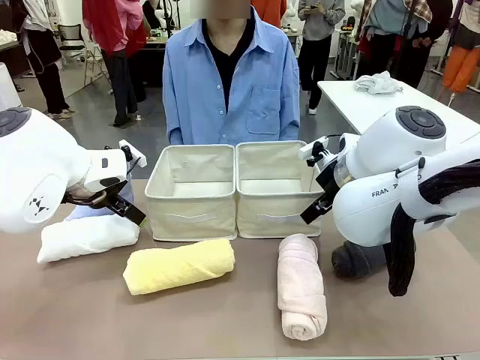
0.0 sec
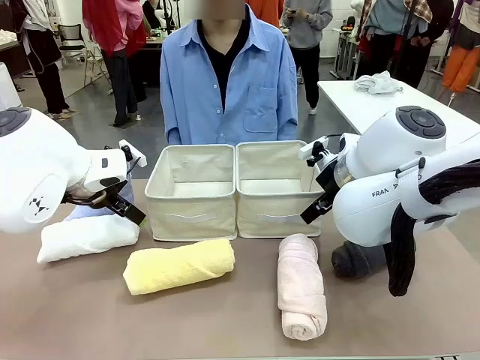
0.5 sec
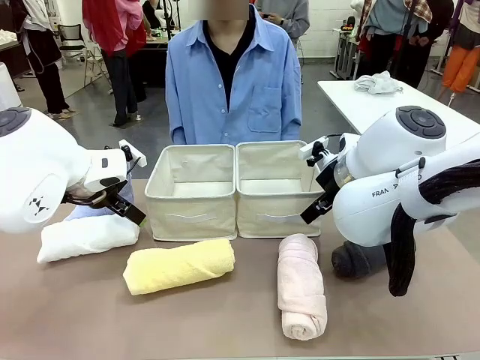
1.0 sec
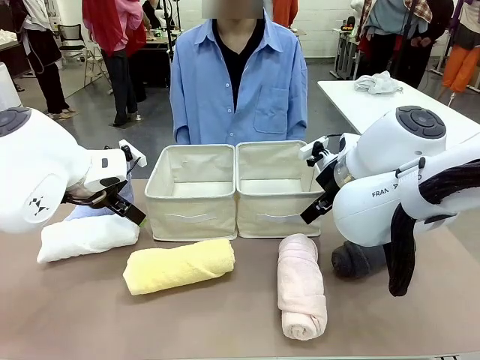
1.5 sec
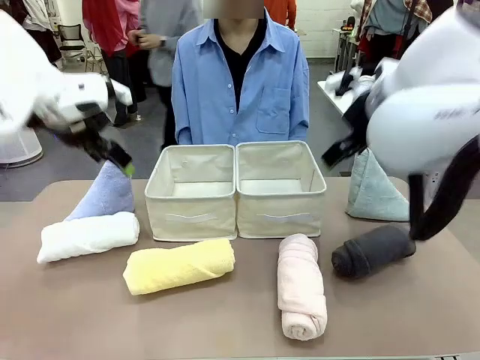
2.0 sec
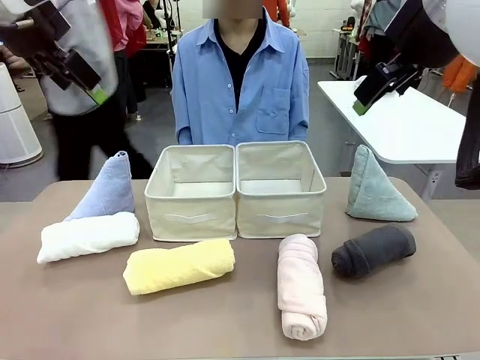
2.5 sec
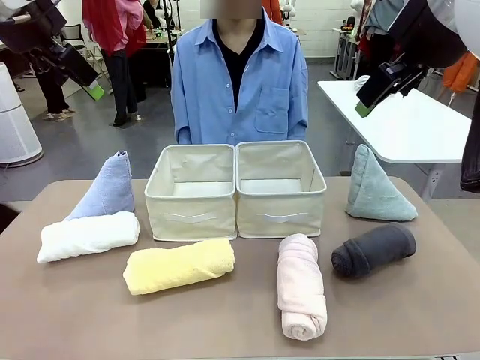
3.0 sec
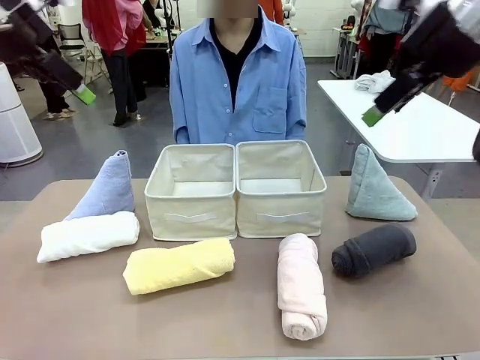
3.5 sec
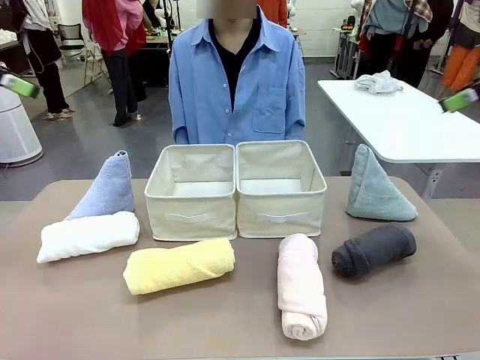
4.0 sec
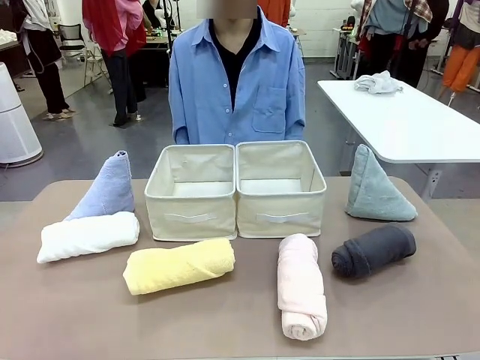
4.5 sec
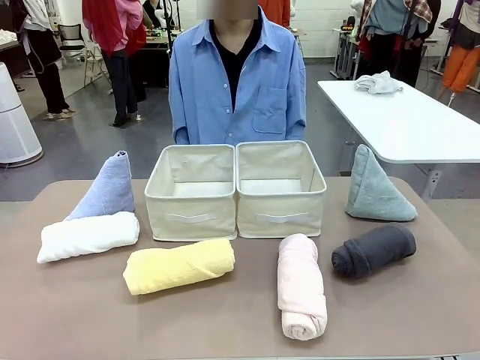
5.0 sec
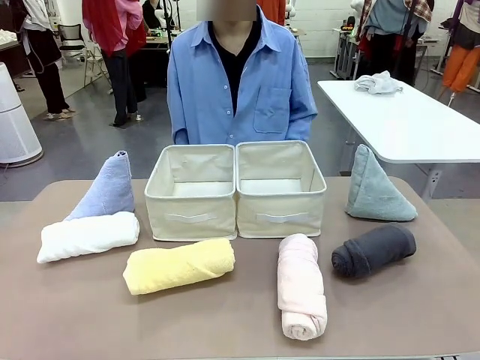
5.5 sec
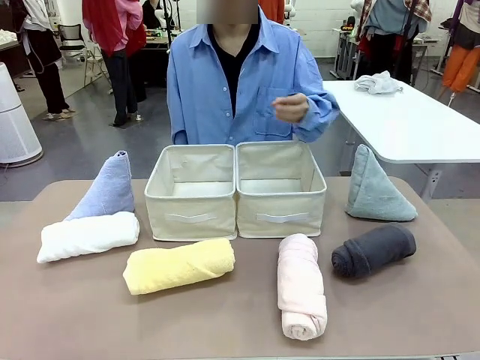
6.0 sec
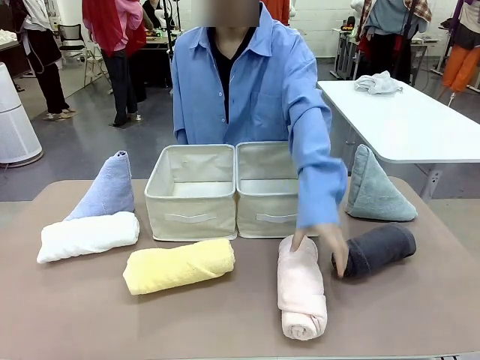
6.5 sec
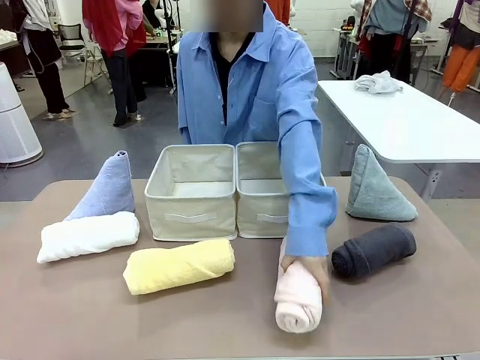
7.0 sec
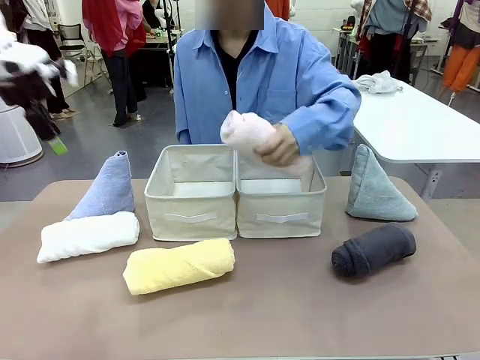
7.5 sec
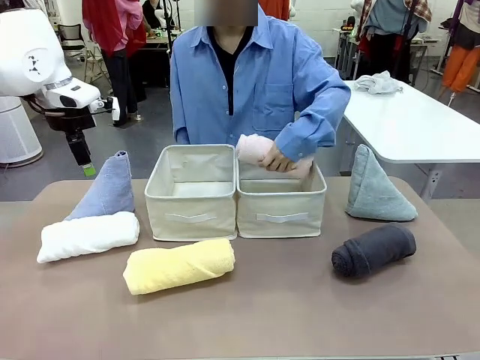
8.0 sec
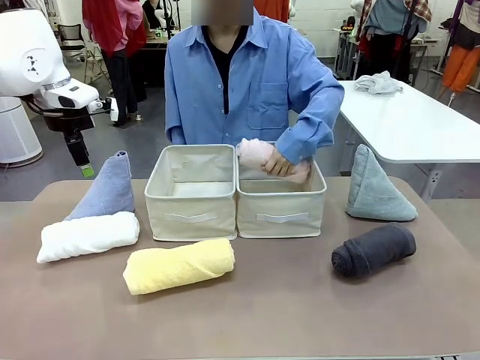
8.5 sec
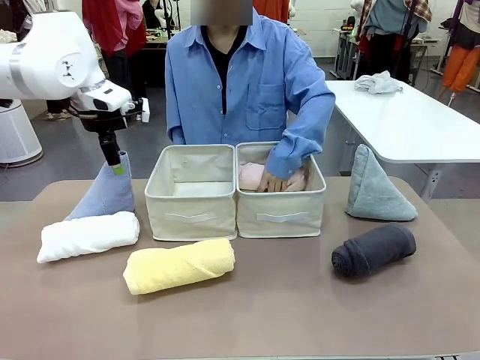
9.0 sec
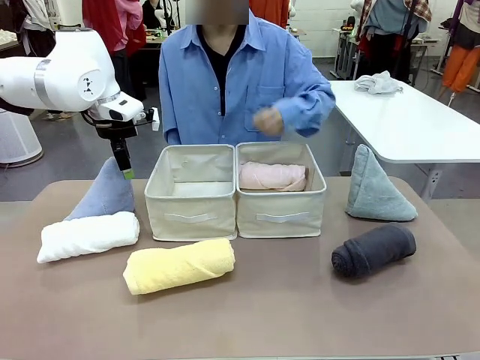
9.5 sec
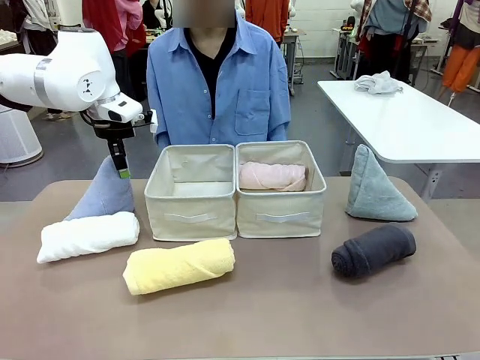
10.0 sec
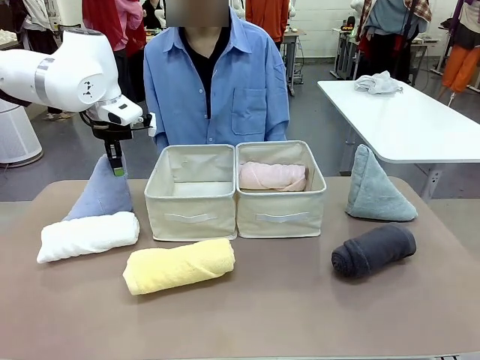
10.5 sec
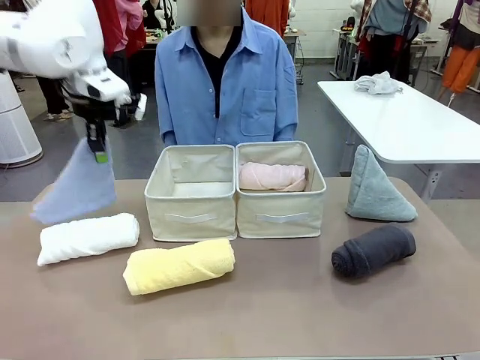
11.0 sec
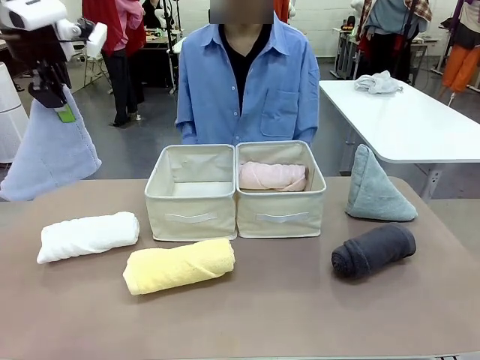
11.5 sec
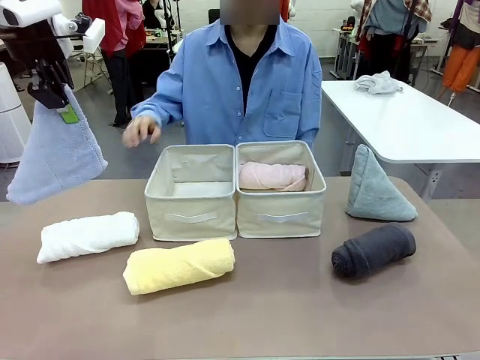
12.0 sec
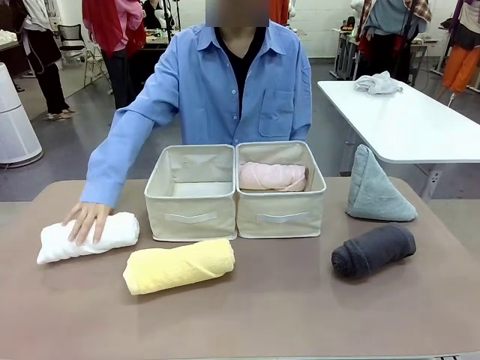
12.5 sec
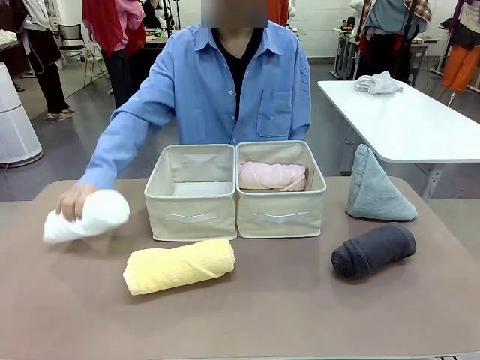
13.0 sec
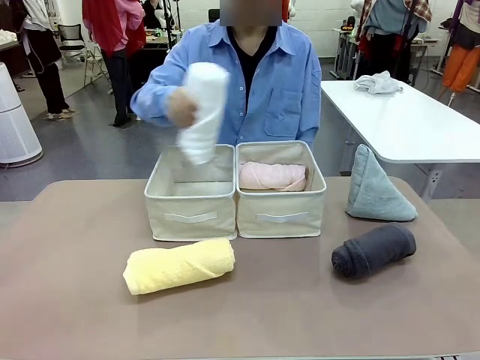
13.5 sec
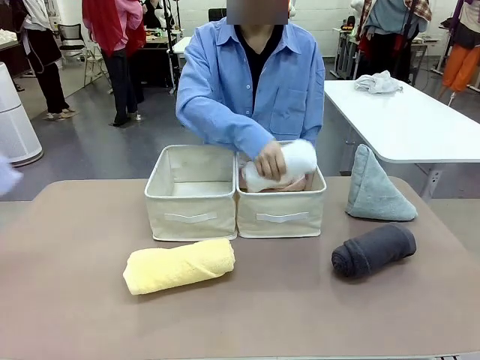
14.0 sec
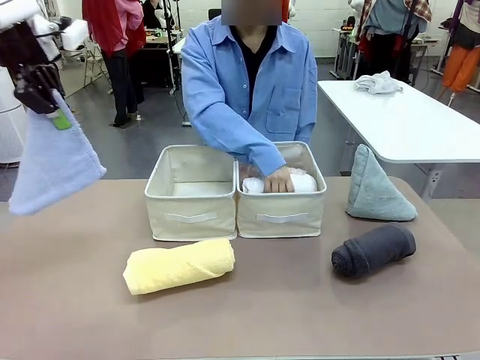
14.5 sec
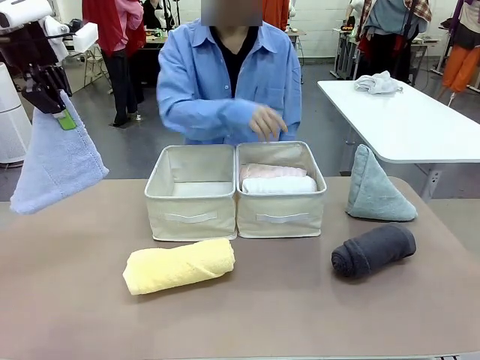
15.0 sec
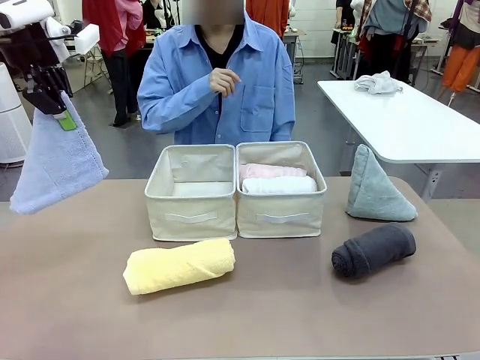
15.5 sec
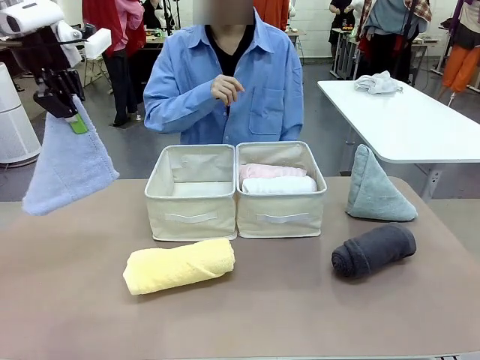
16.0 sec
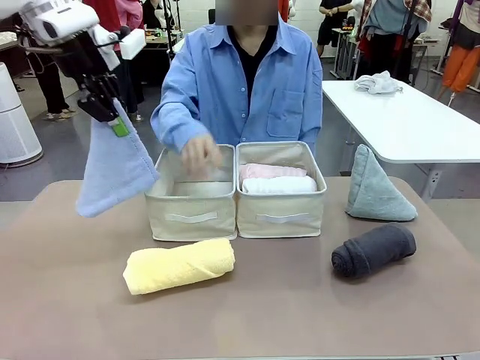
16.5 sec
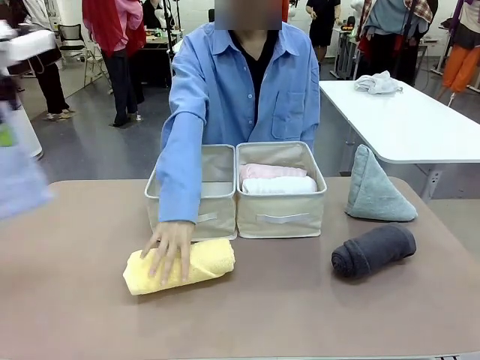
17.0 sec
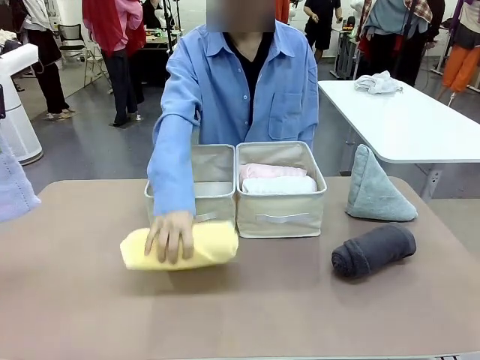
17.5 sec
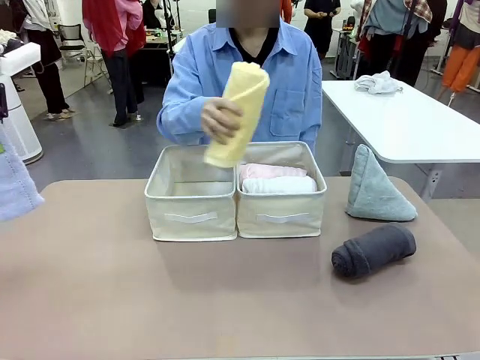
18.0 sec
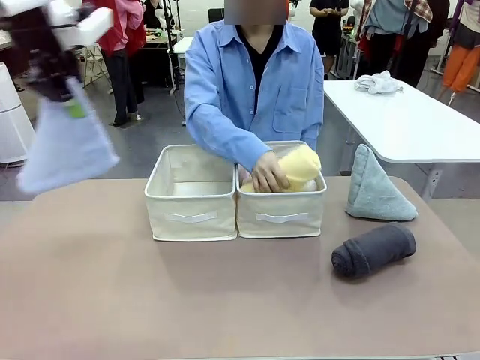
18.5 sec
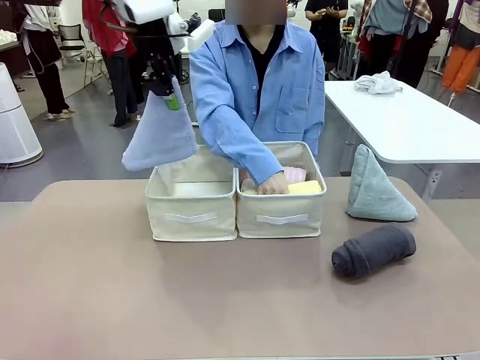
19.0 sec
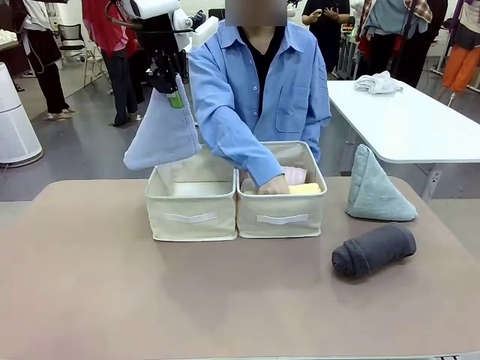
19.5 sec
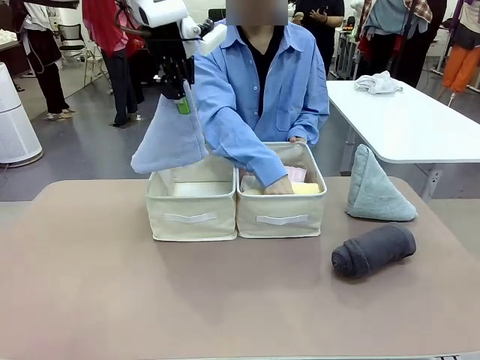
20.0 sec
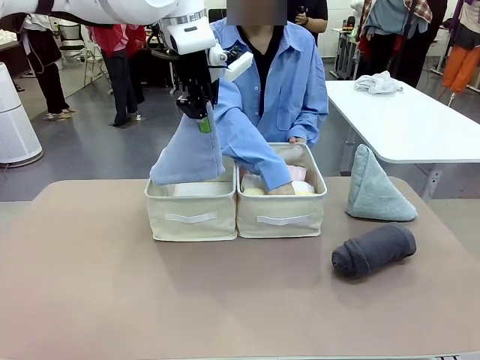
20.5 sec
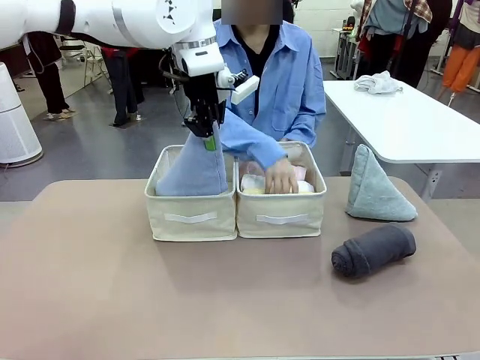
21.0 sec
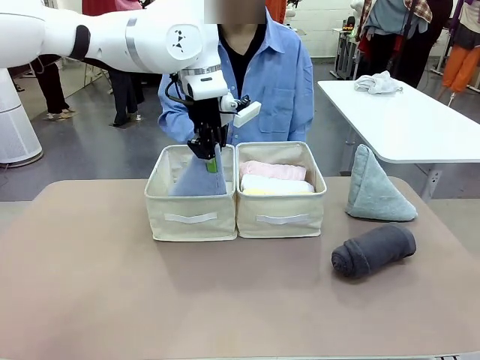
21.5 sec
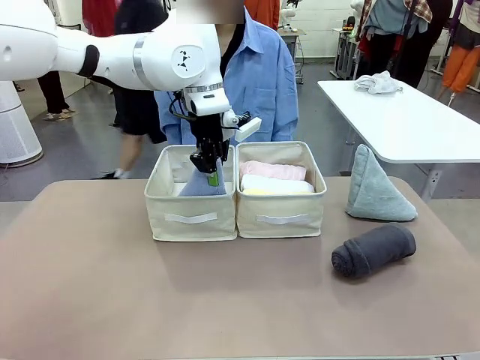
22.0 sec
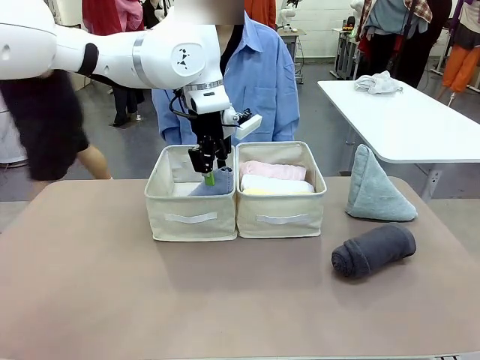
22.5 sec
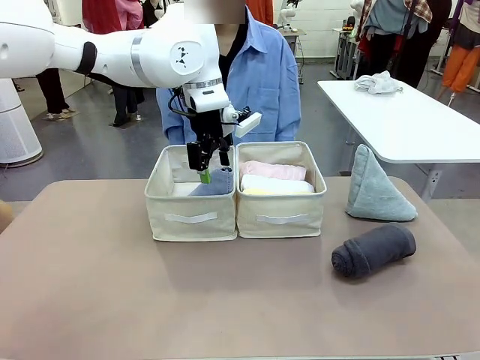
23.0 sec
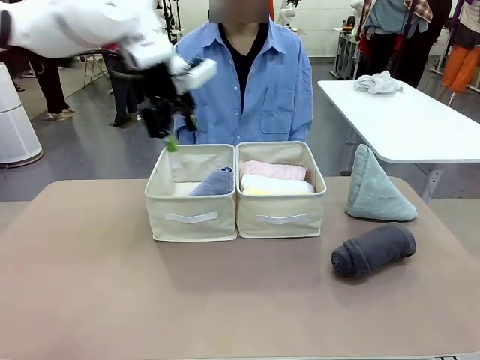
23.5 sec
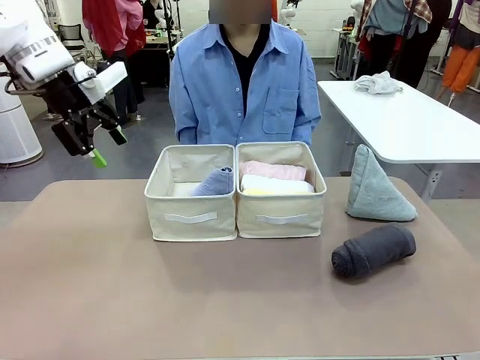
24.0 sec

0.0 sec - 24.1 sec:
Task: Sort the towels based on their folding style.
Robot: Pick up one triangle-folded towel and place it in the left Fabric basket.
Person: Pick up one hotel-style rolled towel and place it in the left fabric basket.
